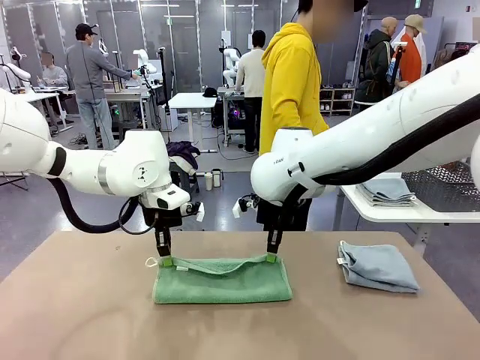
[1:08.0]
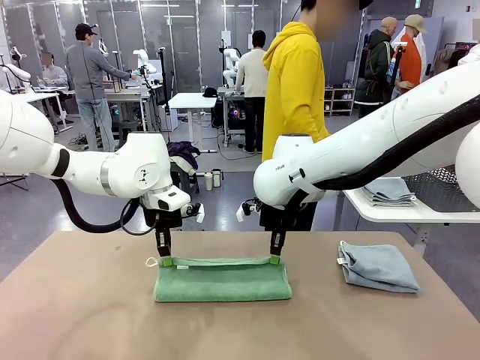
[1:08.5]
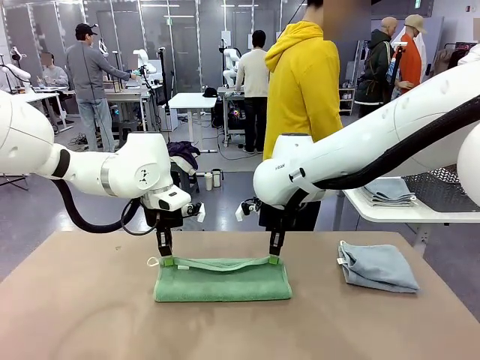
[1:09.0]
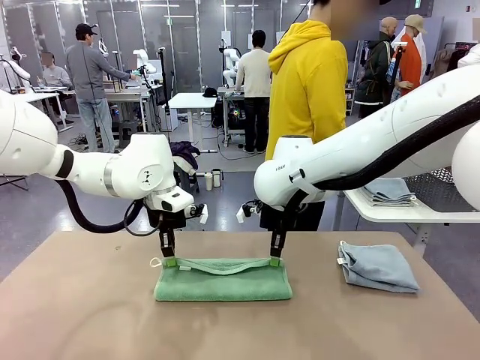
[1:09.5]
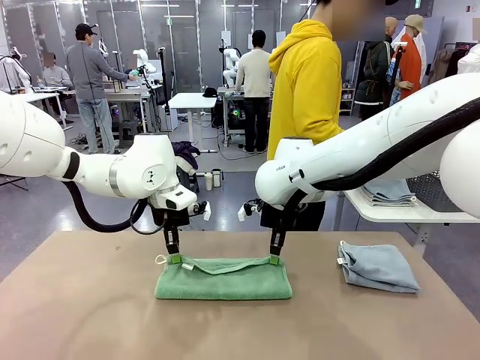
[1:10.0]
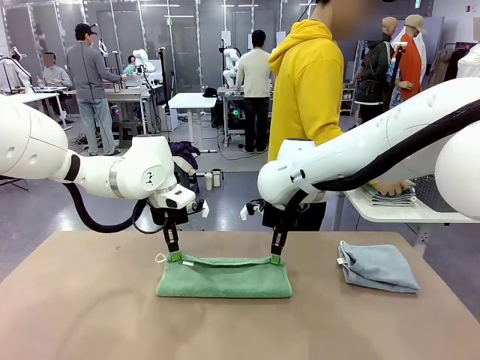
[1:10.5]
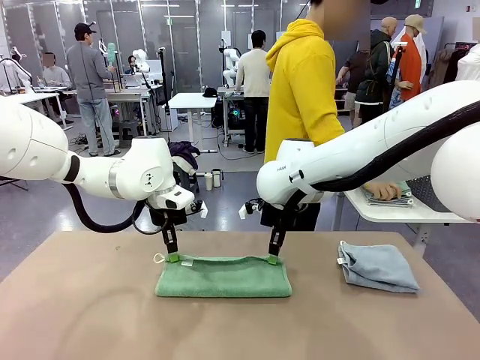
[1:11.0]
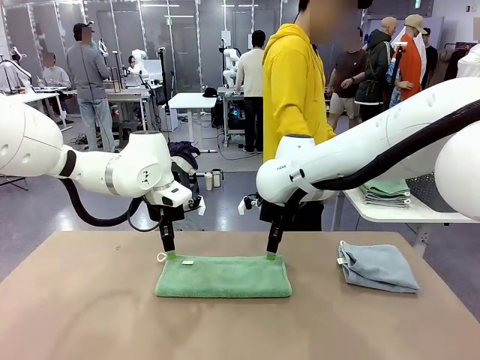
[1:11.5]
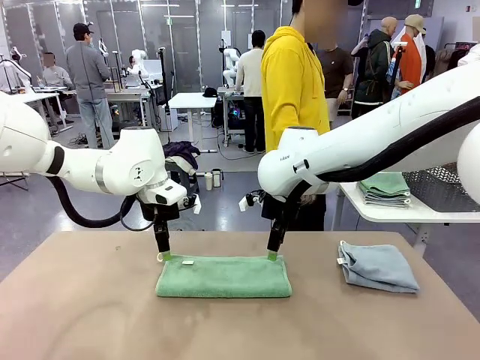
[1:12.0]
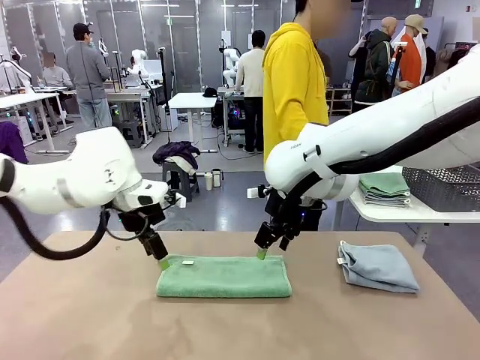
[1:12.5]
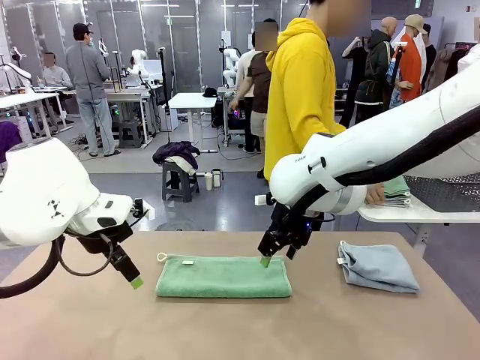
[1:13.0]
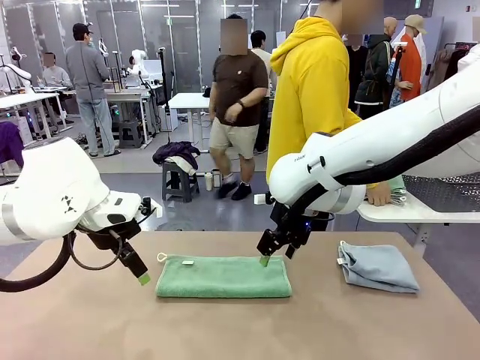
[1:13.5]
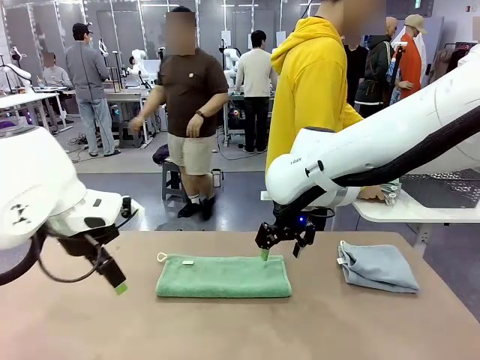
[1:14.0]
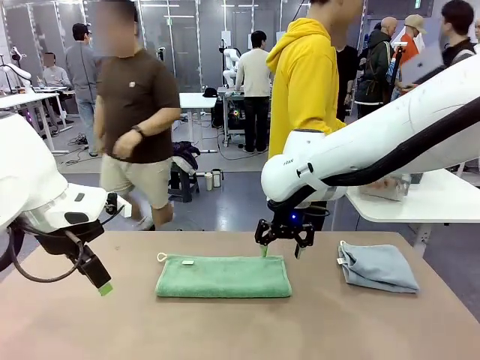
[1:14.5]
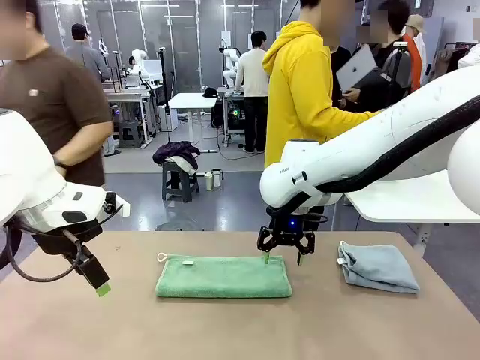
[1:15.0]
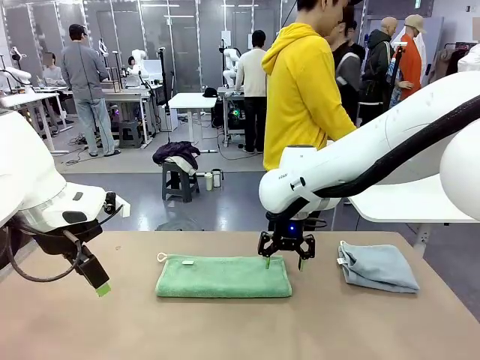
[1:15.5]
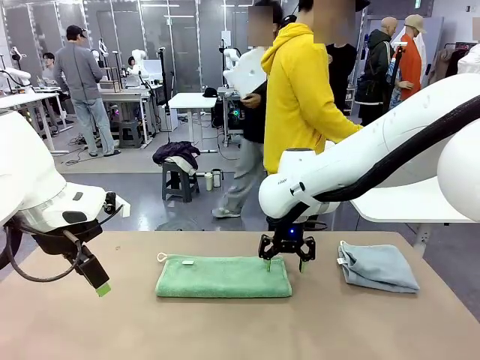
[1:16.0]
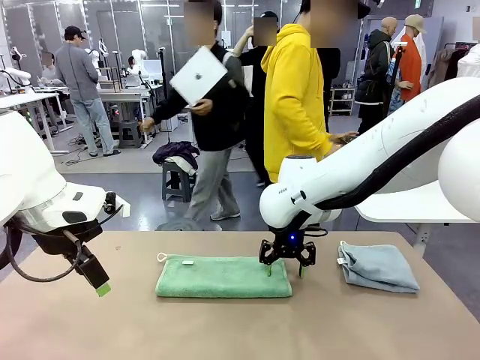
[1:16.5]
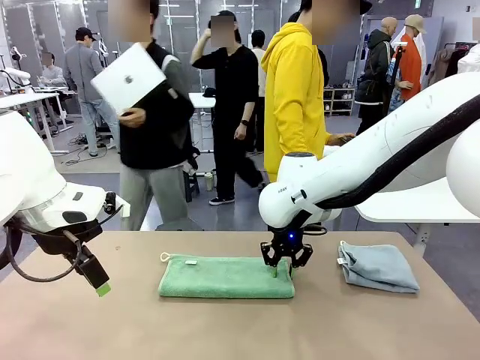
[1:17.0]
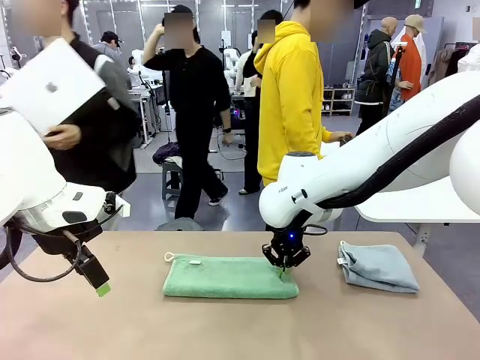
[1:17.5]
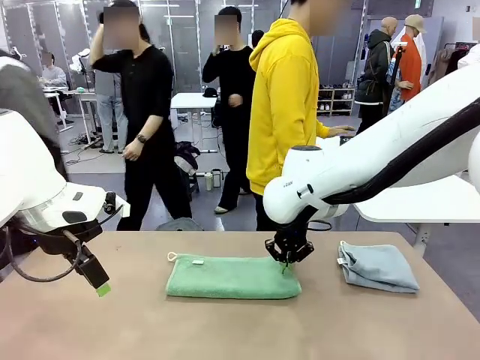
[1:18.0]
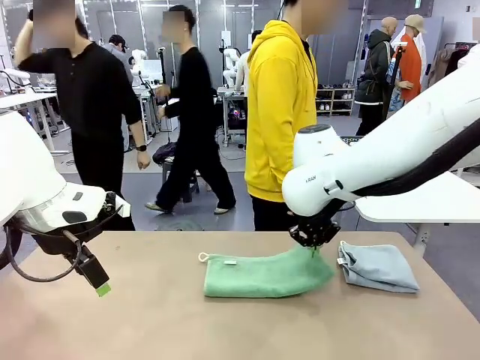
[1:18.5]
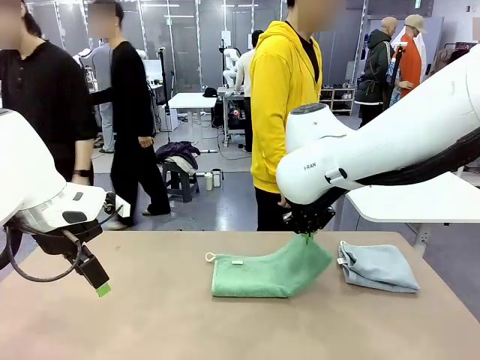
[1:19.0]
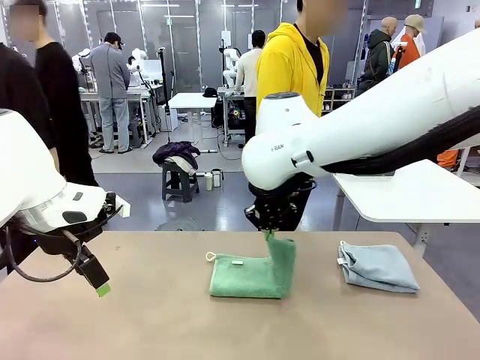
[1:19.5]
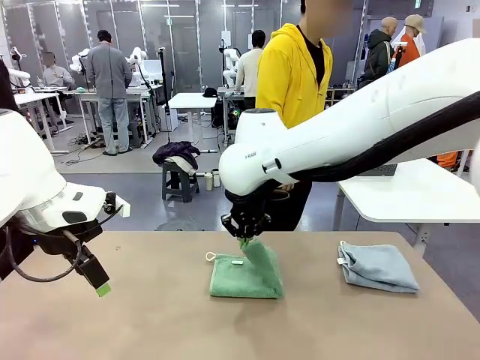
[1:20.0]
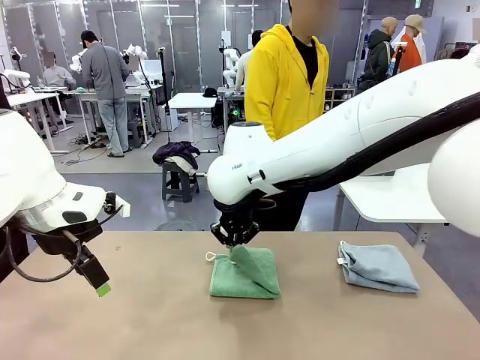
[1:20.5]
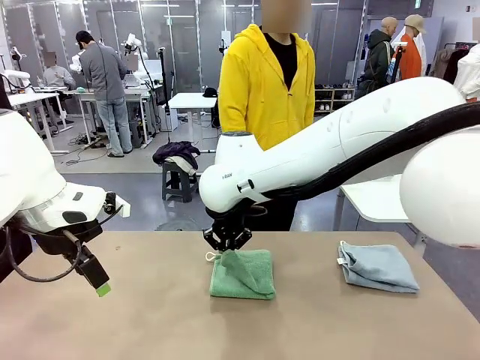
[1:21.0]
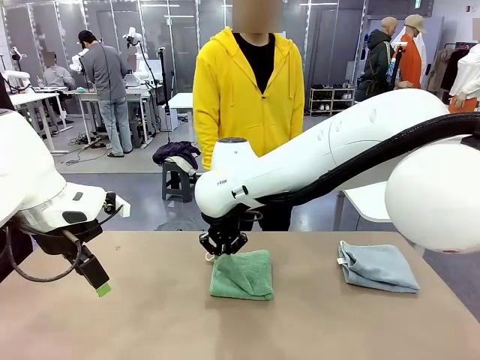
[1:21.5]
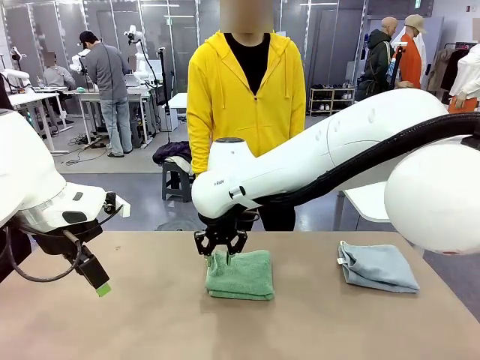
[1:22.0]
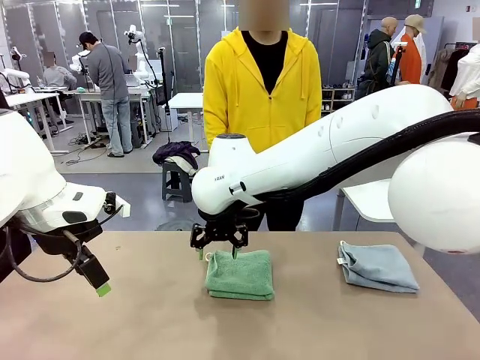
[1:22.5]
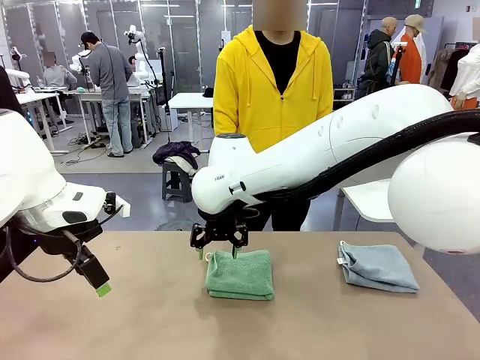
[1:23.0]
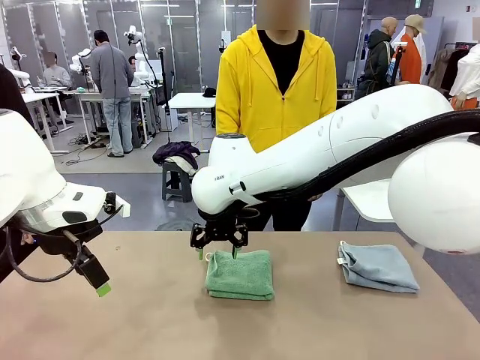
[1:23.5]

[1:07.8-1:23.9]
Task: Fold the towels and place them in the basket.
Robot: When a person lays out a Towel with hook on the table, fold it in half twice.
Person: Pick up the stack of towels from the right side of the human table, place it into the basket, and put the basket at the center of the table.

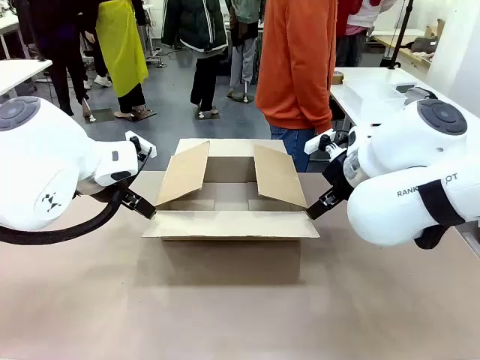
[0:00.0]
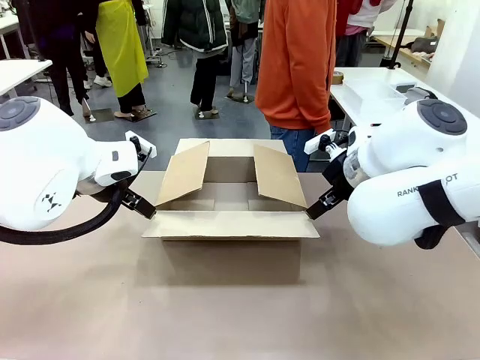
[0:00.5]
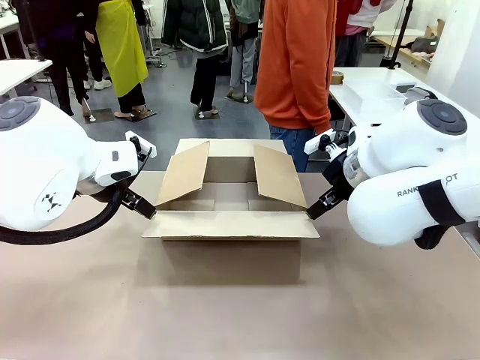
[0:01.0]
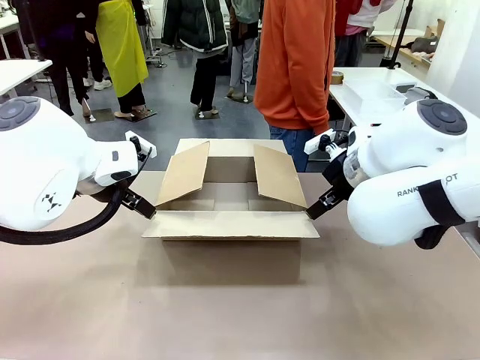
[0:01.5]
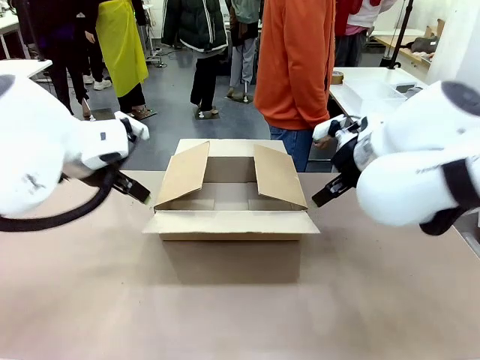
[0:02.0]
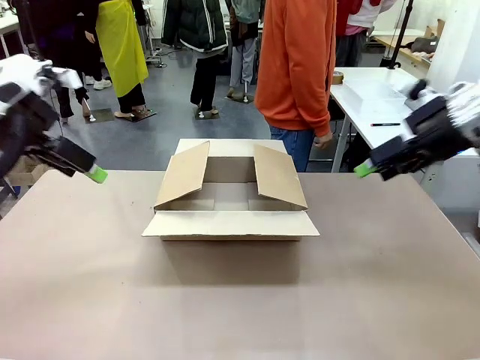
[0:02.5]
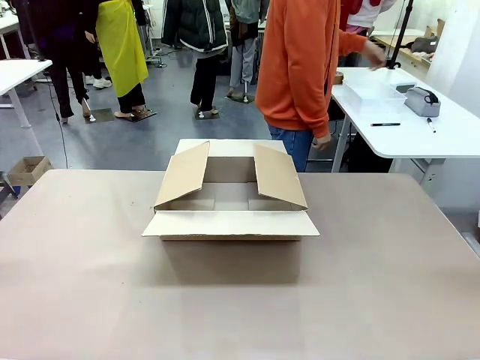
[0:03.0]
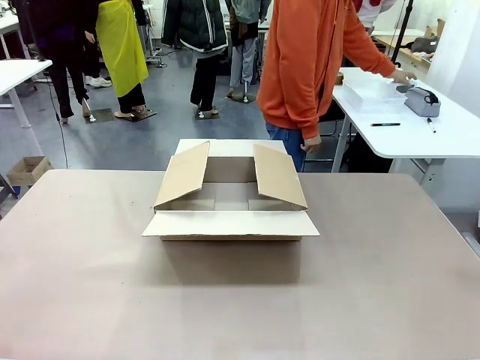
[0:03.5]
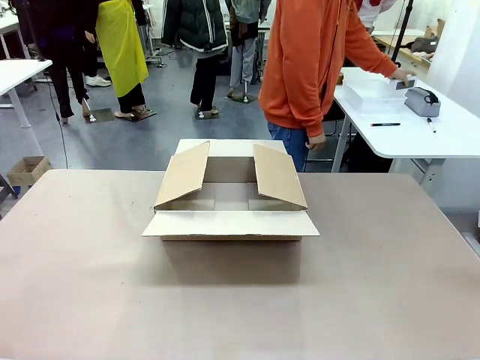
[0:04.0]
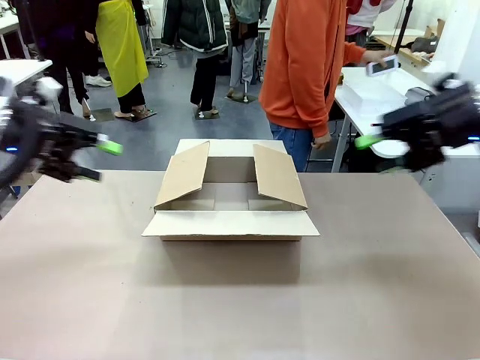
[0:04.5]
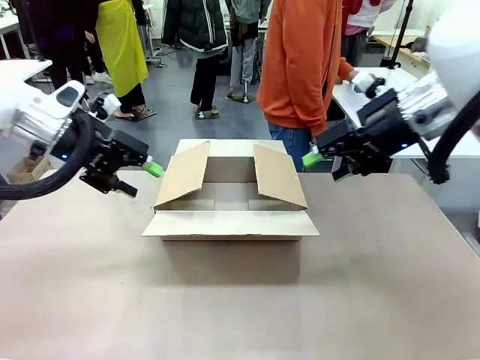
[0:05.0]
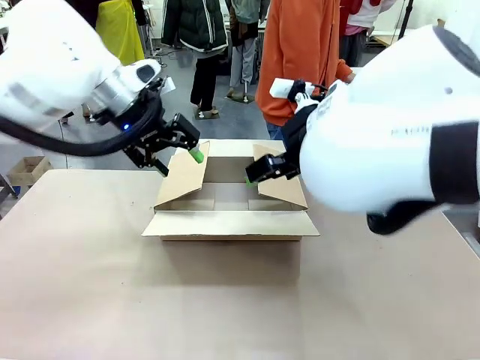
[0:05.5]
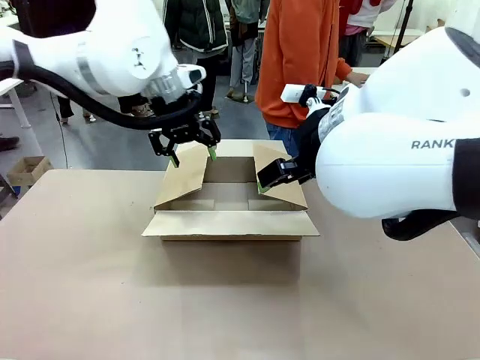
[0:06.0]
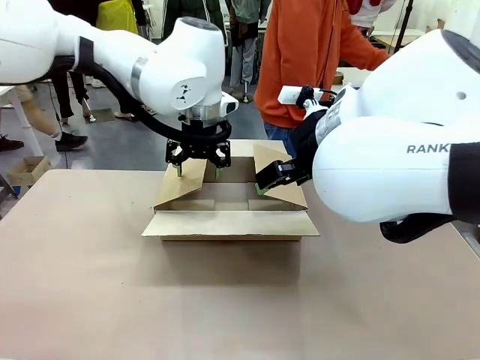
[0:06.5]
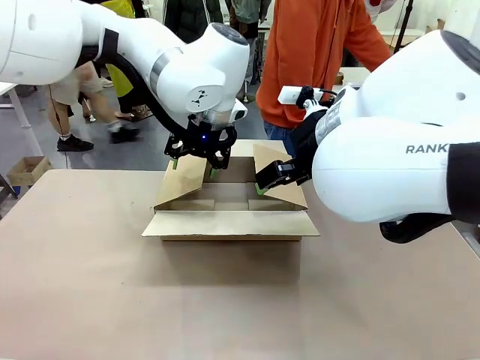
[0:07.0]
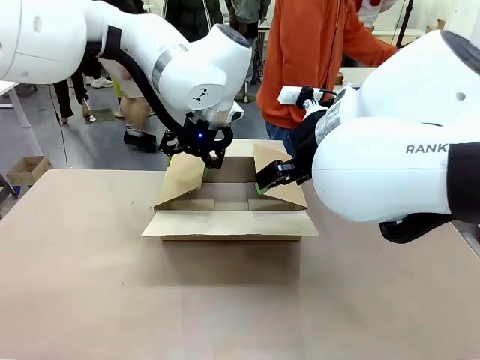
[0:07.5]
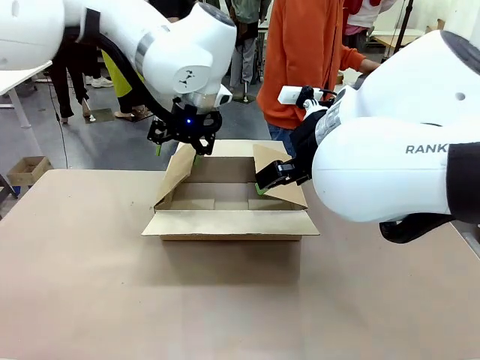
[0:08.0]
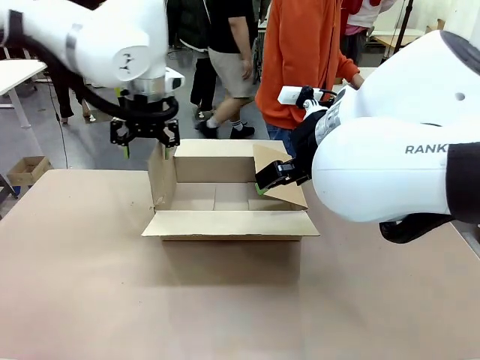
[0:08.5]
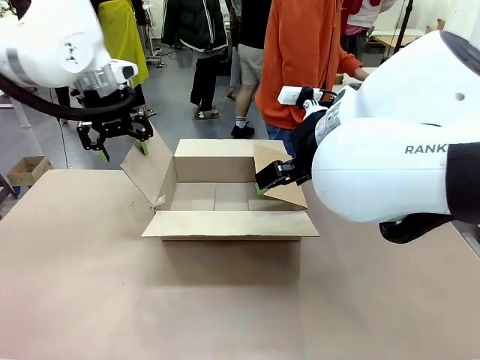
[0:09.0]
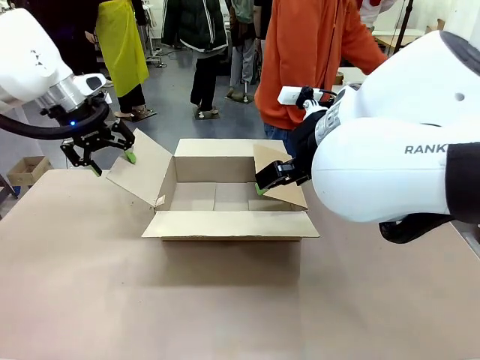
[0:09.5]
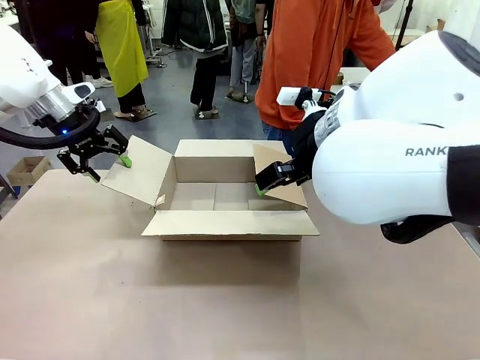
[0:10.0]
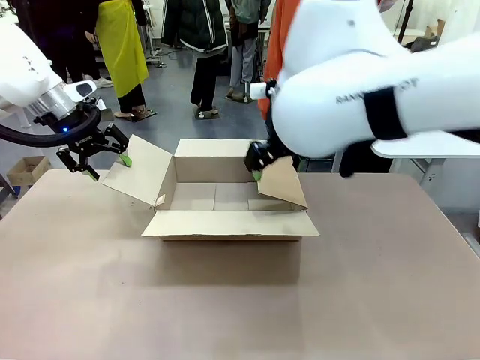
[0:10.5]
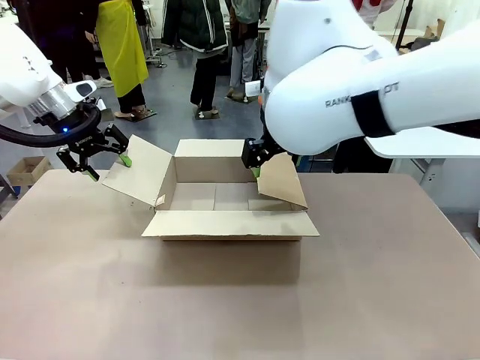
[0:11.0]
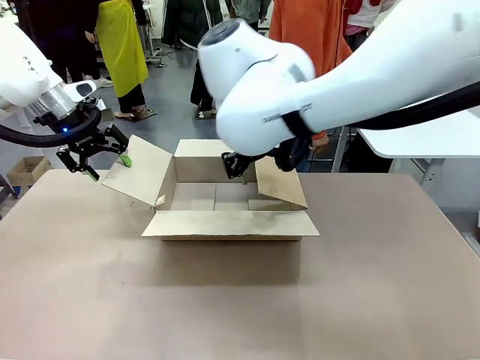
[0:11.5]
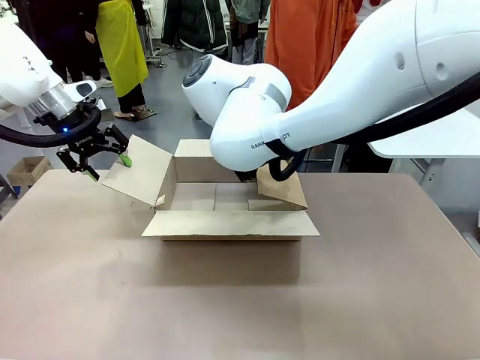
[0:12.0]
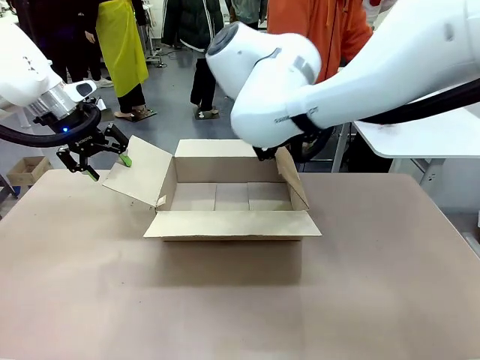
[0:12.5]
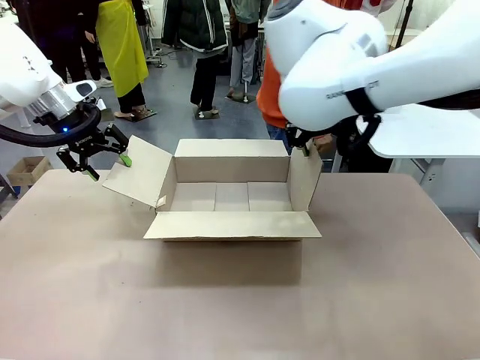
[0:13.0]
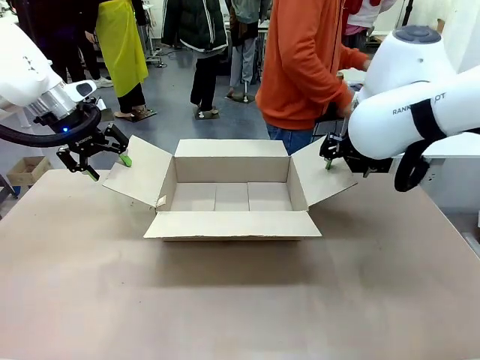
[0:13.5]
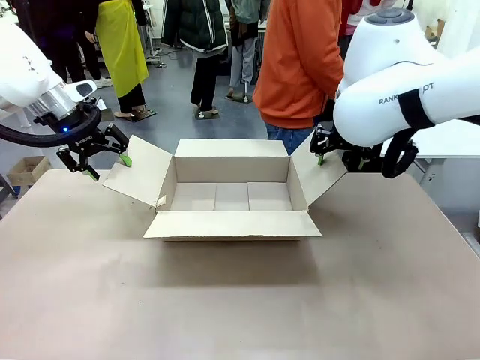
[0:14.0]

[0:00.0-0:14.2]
Task: Pack the gift set into the box.
Robot: Place both hands on the side flaps of the Package Box and spread them outward.
Person: The human places all items except the paper tape into the organizing basket.
